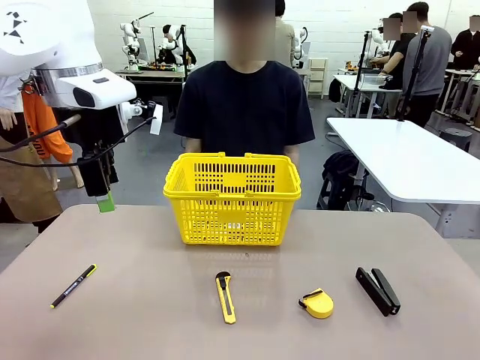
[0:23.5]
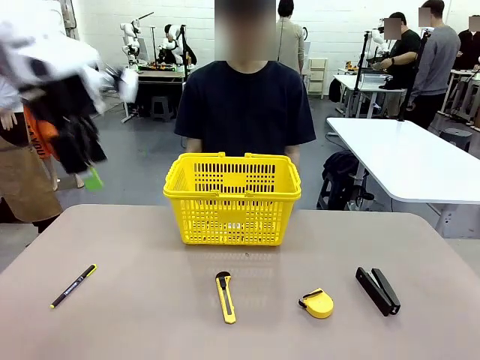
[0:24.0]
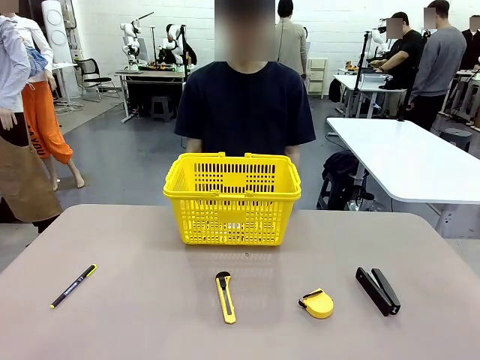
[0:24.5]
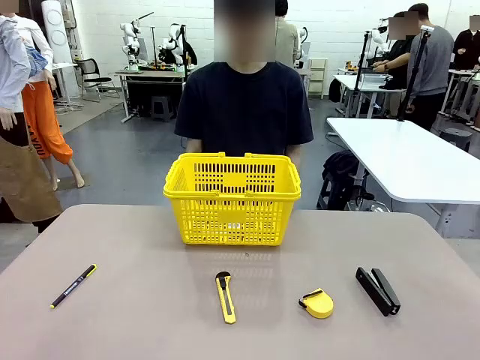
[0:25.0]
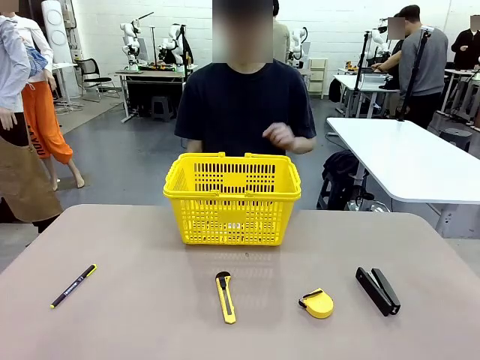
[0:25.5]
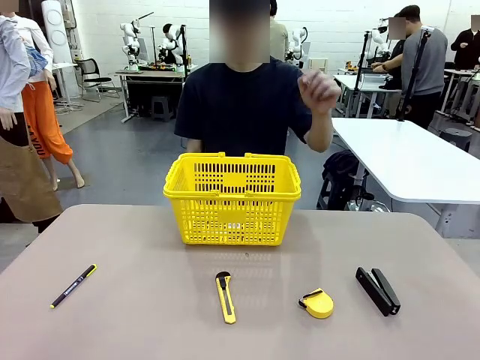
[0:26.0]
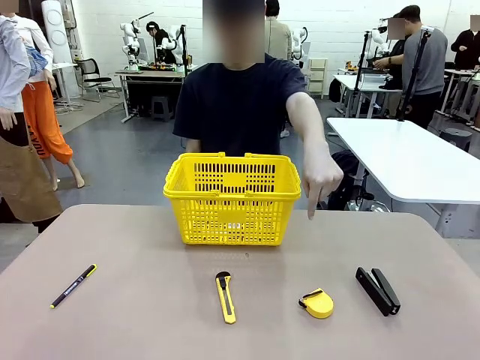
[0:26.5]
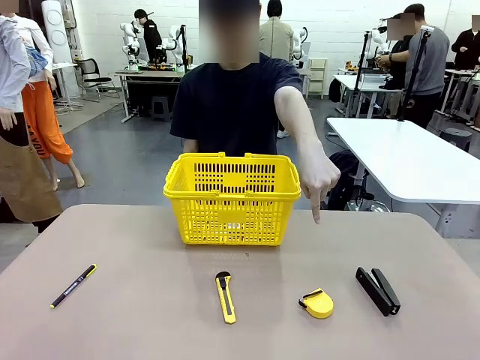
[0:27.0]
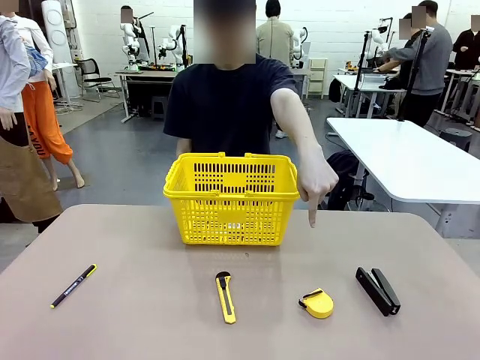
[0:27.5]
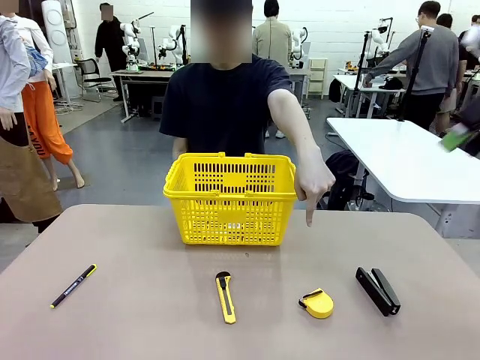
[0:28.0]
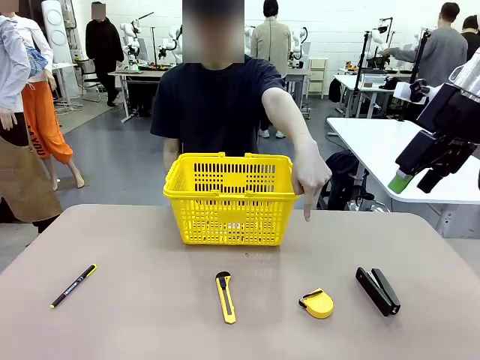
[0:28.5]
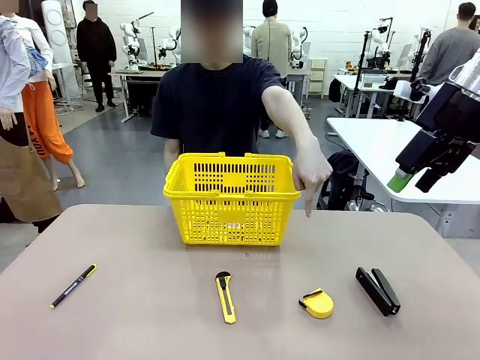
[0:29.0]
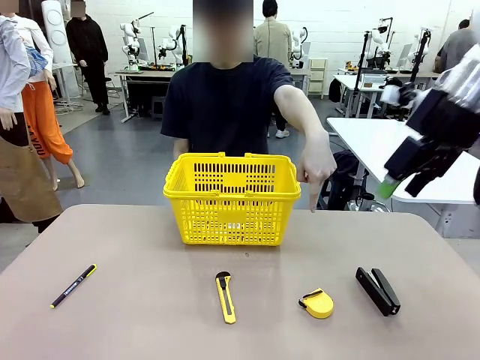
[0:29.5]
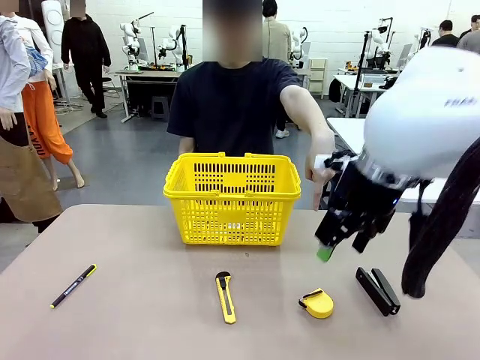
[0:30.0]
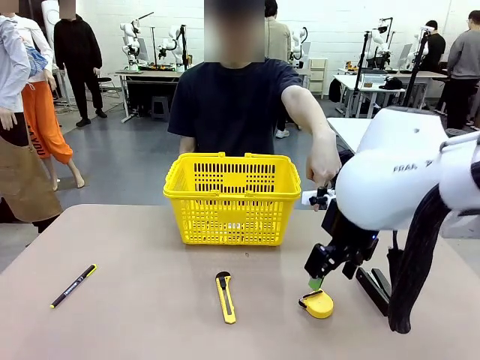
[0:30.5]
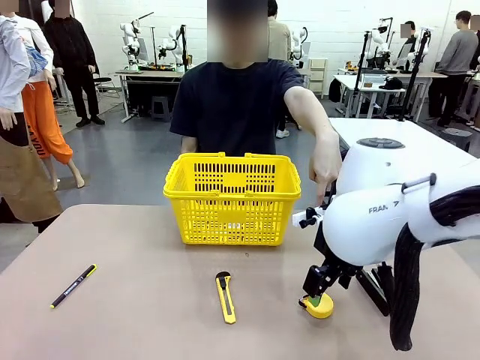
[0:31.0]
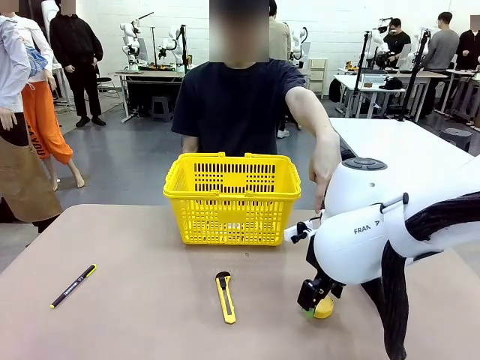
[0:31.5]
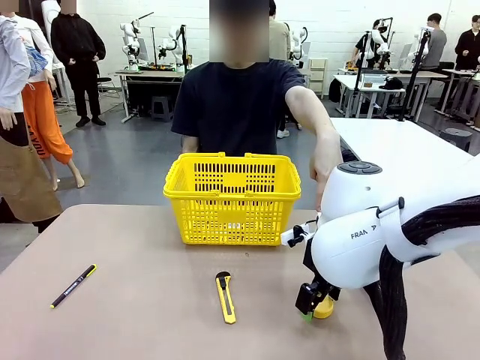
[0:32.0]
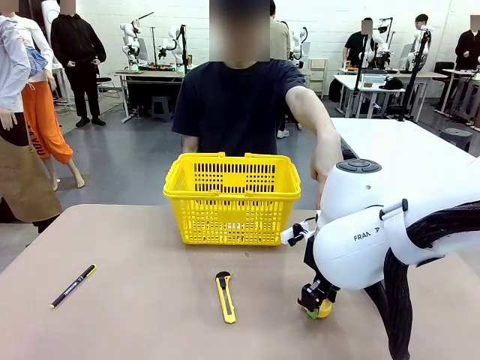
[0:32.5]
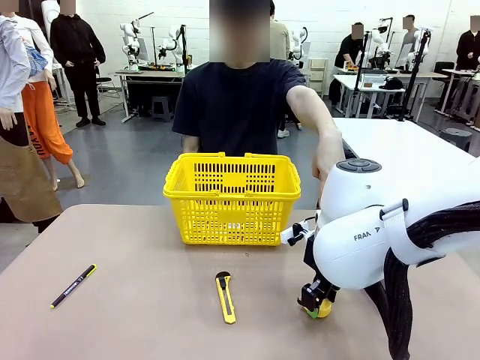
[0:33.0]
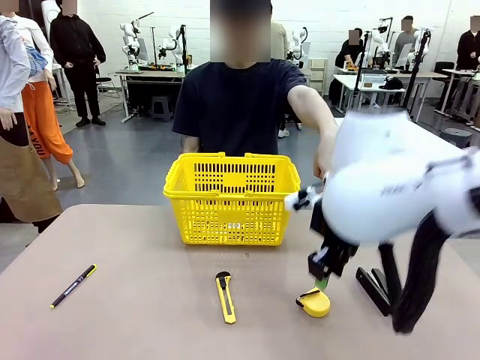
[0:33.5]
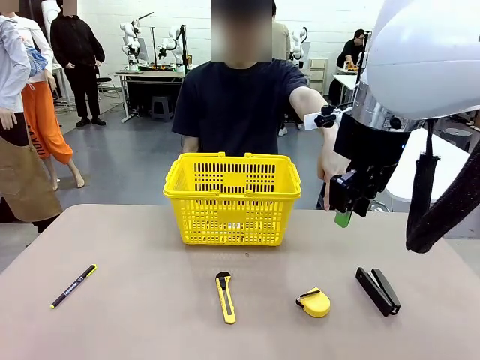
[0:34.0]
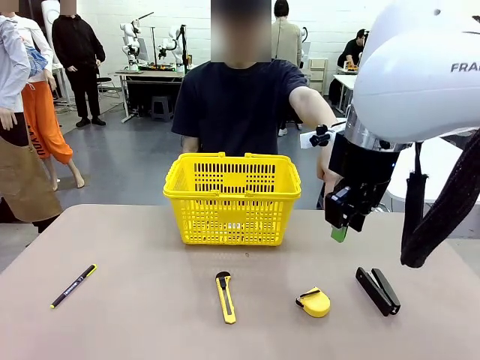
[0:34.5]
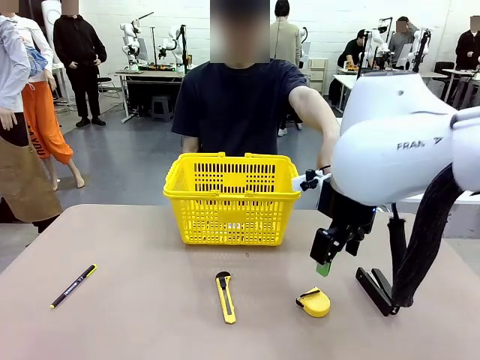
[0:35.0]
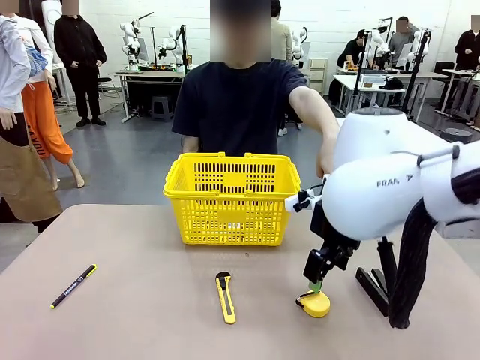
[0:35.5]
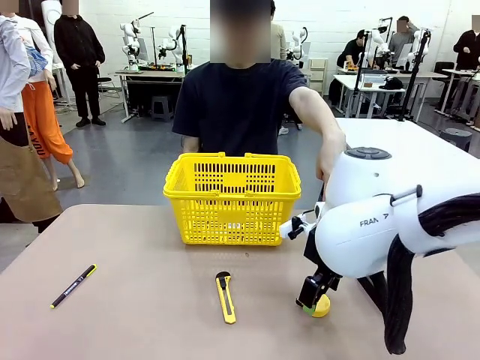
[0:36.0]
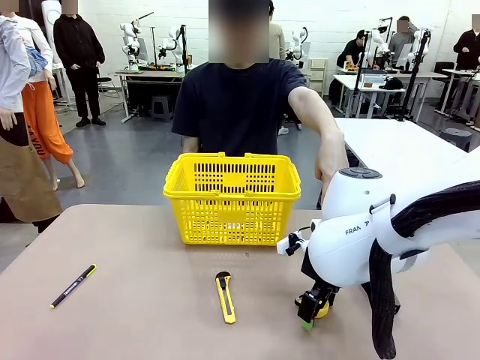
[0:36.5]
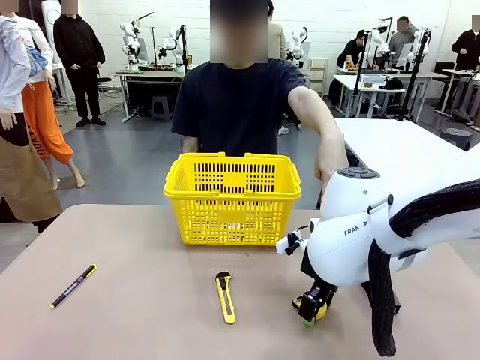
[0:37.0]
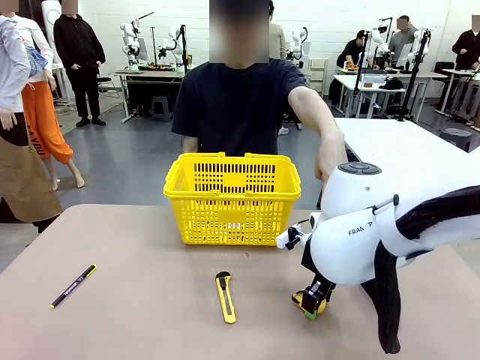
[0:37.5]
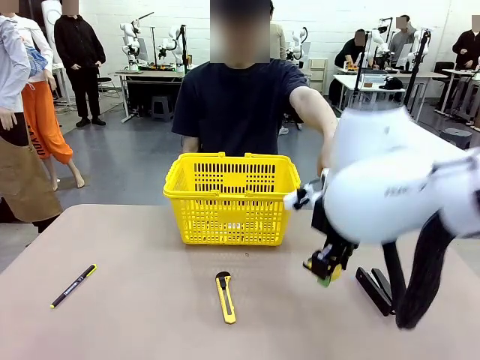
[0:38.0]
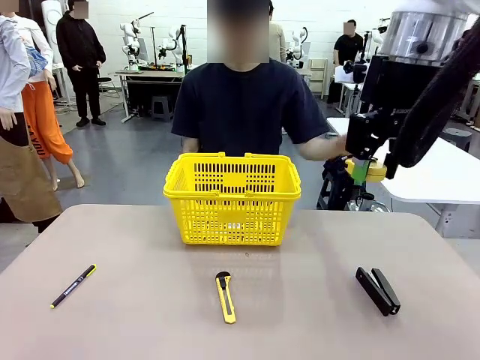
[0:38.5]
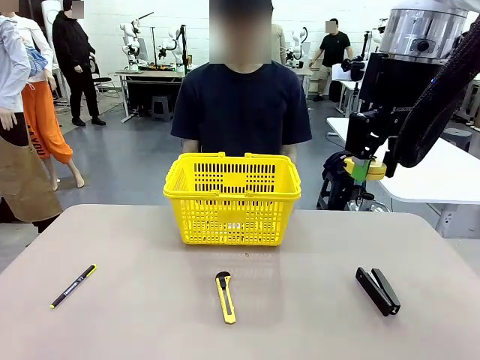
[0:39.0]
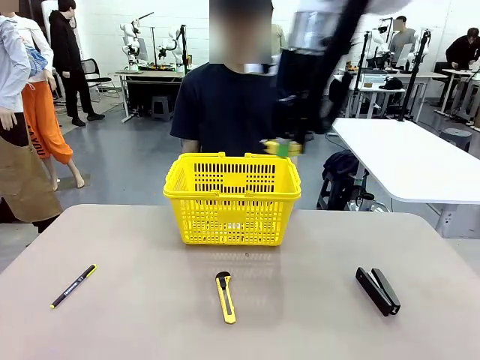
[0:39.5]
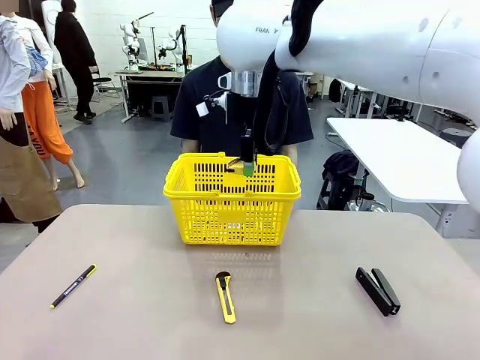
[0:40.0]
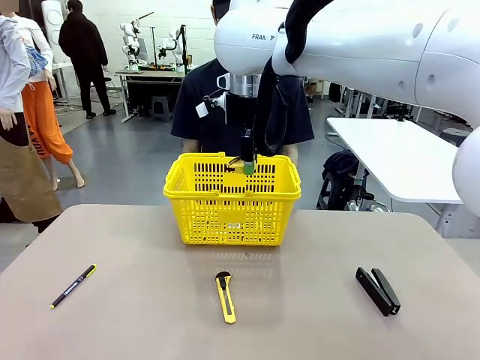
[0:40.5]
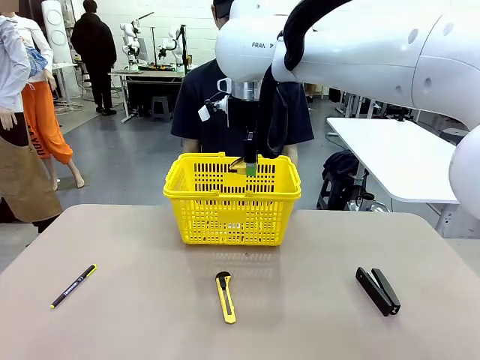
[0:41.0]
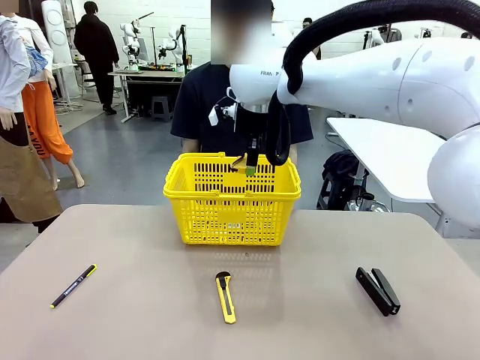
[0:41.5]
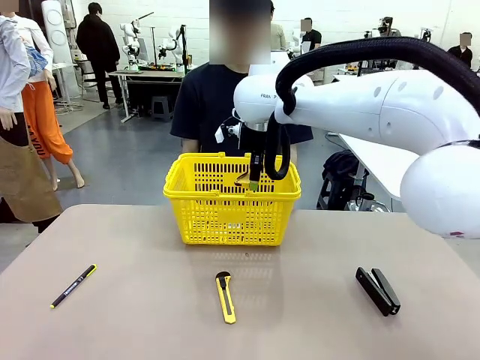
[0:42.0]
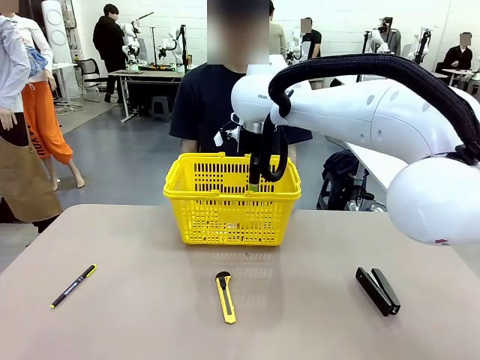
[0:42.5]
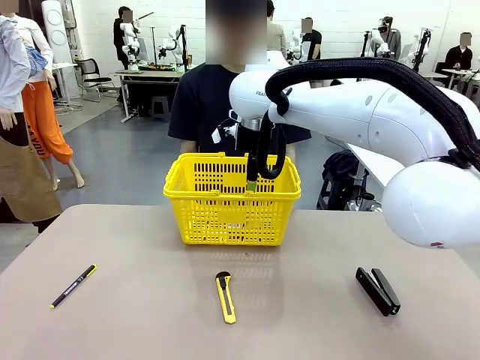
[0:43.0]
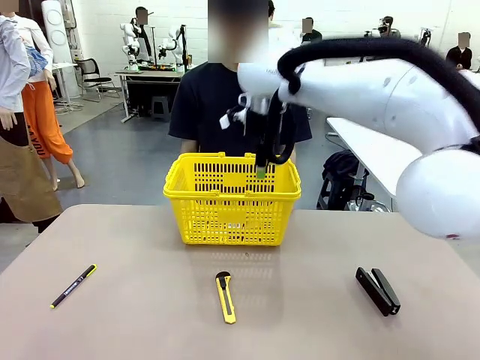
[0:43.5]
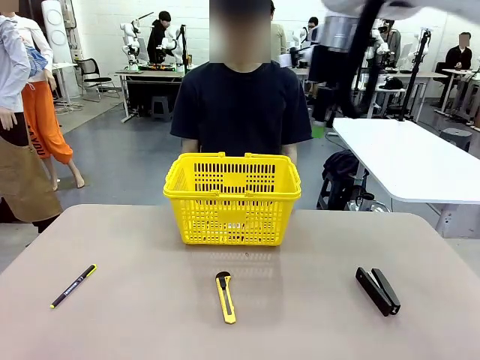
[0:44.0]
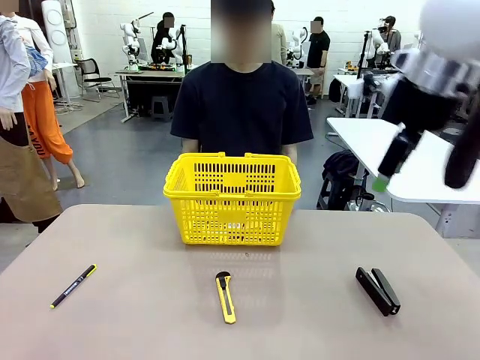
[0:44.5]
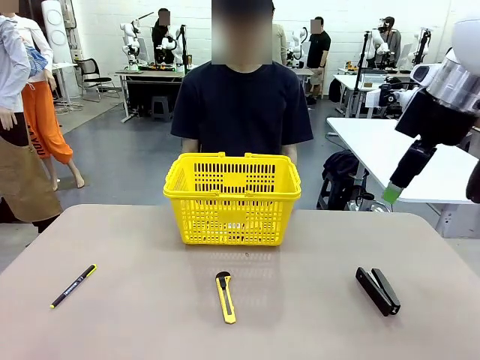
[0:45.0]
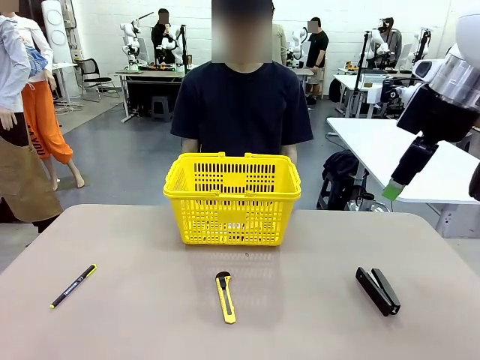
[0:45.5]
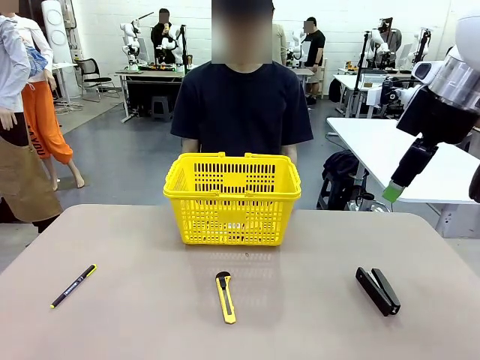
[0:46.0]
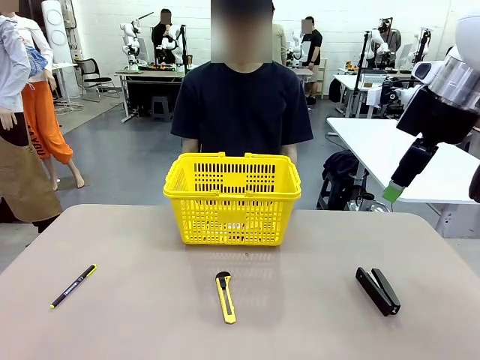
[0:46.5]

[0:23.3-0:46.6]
Task: Place the items the person wants into the basket.
Robot: Pick up the item the person points to and place it in the Market Basket.
